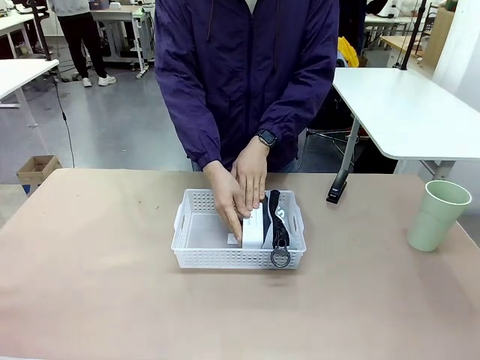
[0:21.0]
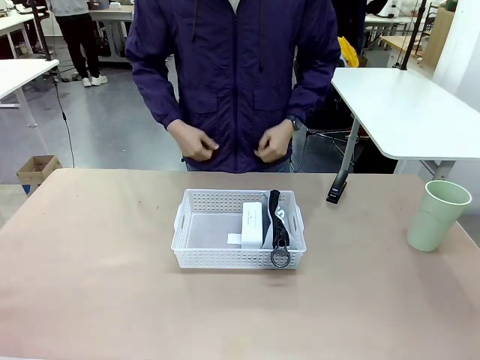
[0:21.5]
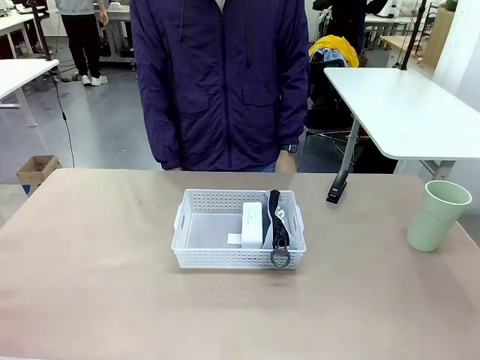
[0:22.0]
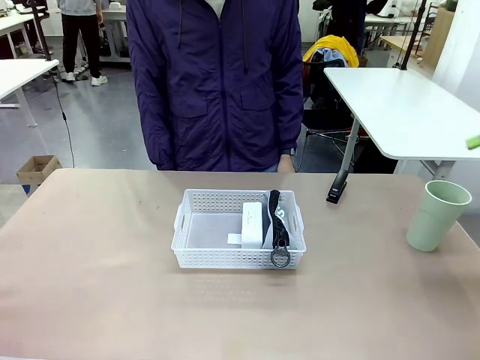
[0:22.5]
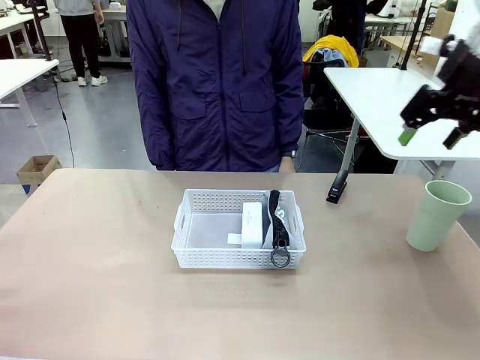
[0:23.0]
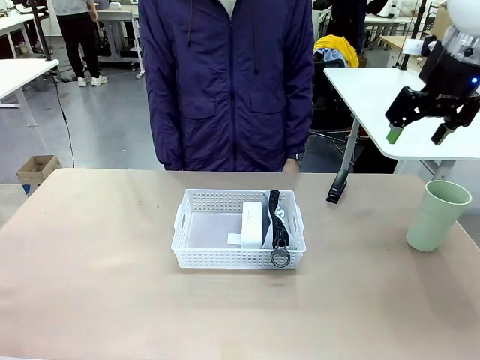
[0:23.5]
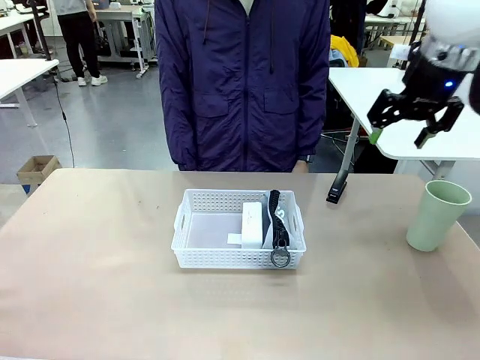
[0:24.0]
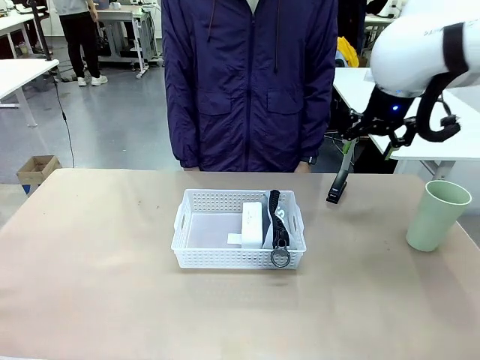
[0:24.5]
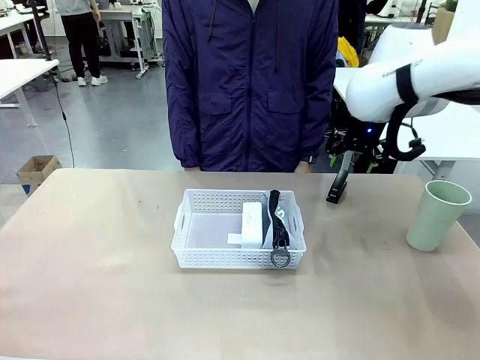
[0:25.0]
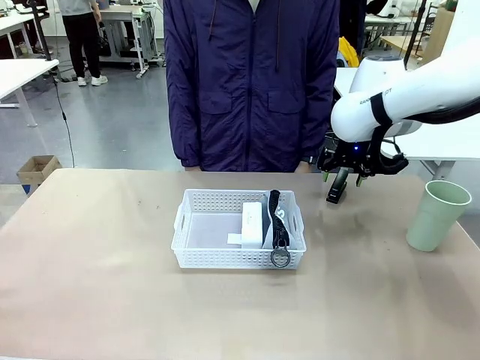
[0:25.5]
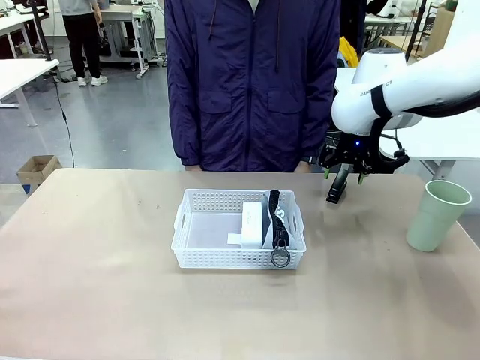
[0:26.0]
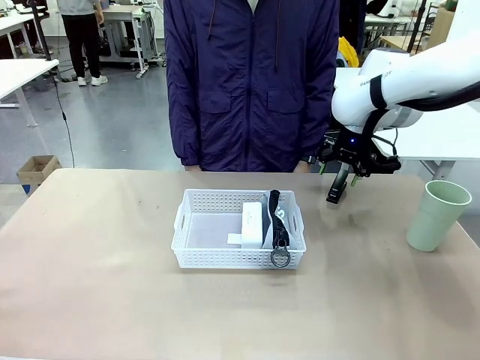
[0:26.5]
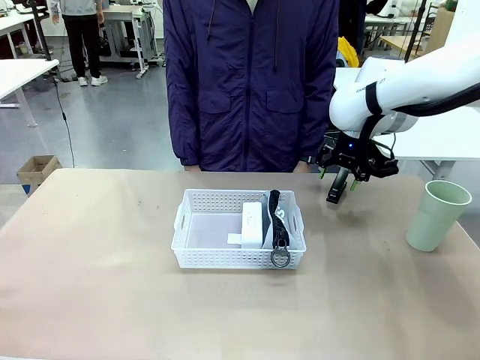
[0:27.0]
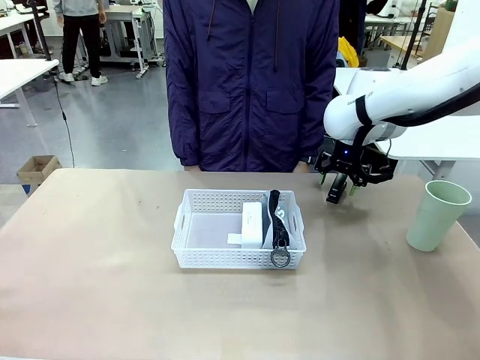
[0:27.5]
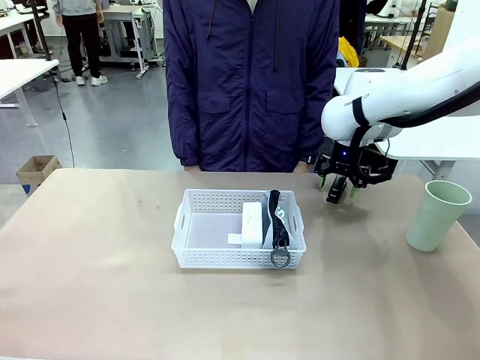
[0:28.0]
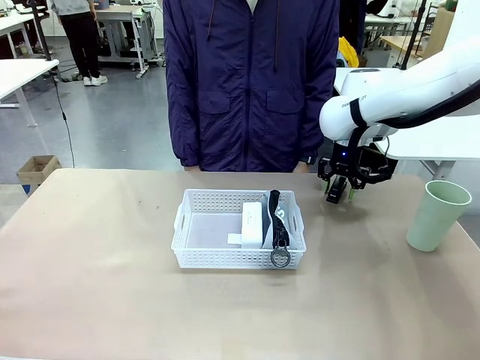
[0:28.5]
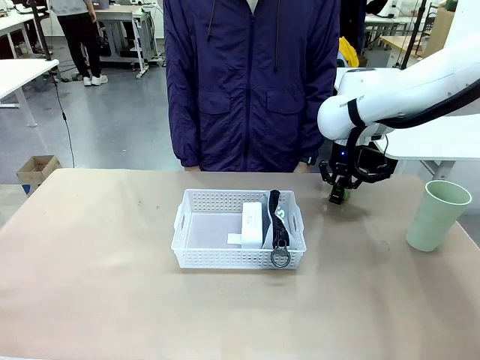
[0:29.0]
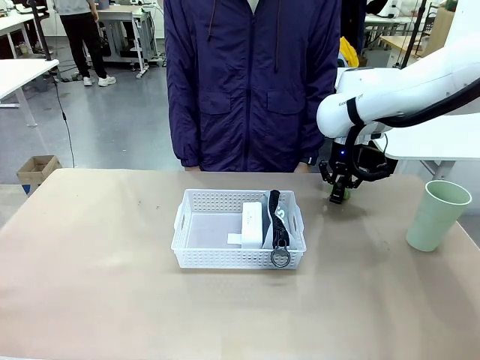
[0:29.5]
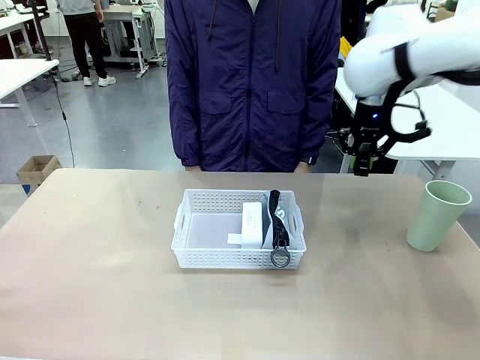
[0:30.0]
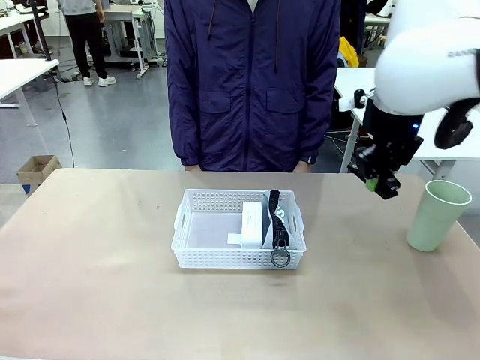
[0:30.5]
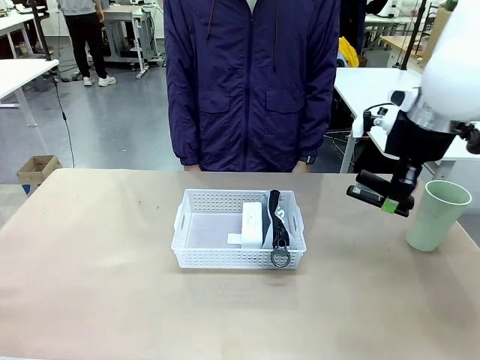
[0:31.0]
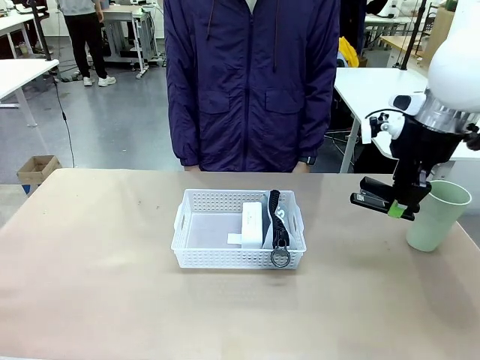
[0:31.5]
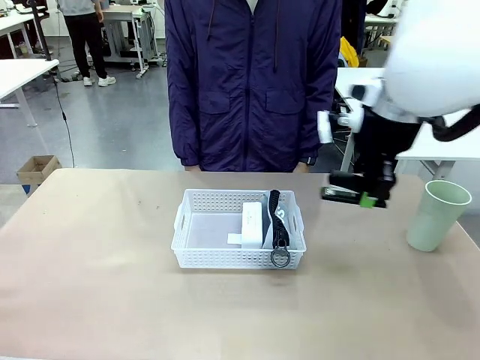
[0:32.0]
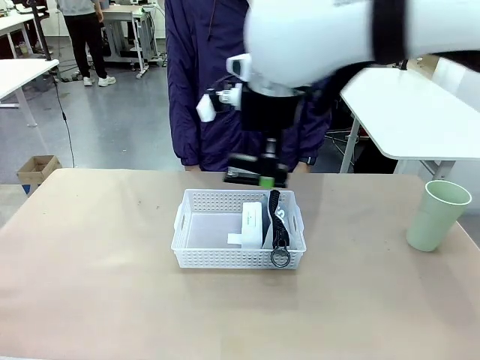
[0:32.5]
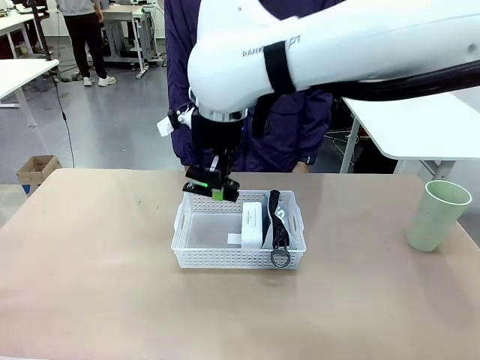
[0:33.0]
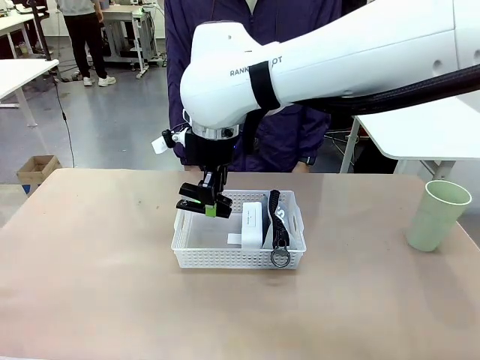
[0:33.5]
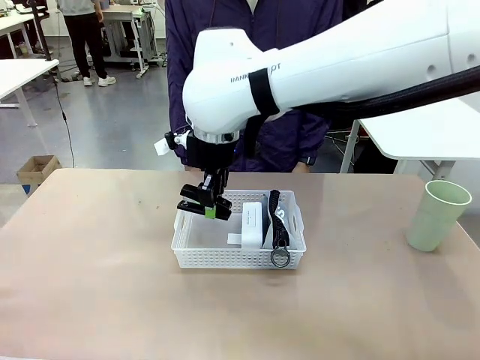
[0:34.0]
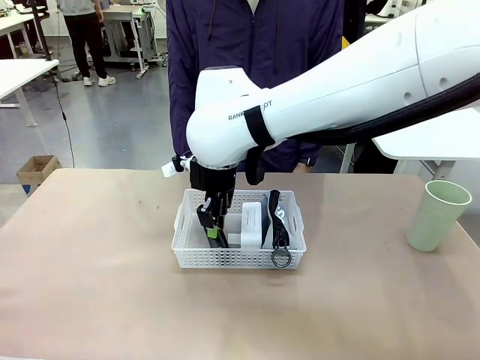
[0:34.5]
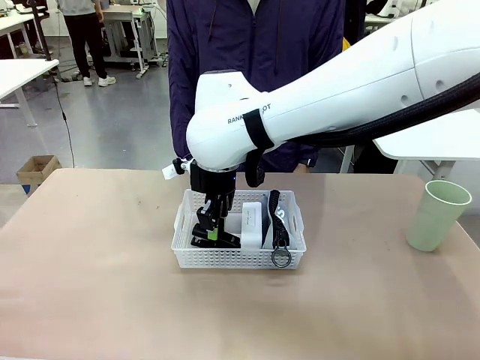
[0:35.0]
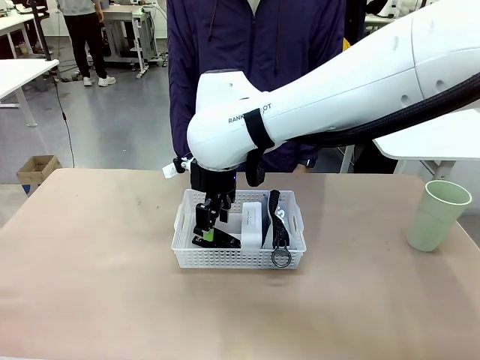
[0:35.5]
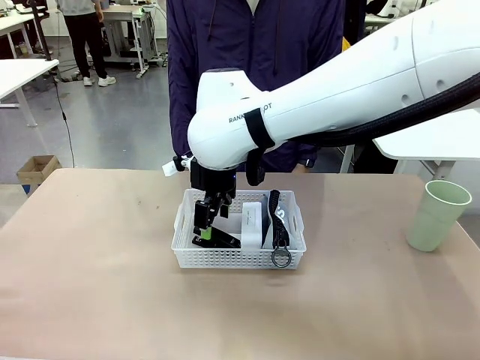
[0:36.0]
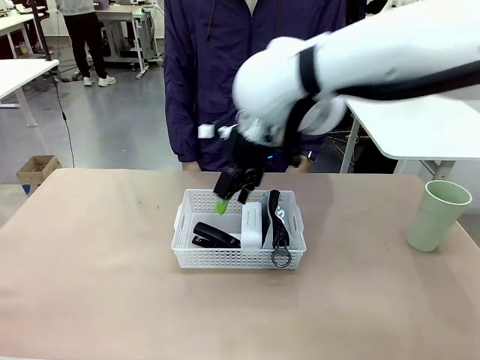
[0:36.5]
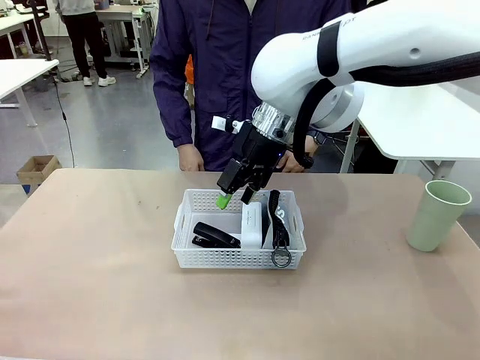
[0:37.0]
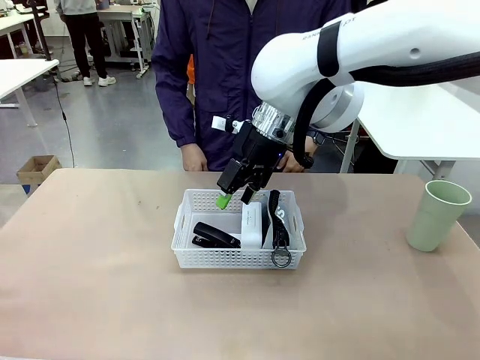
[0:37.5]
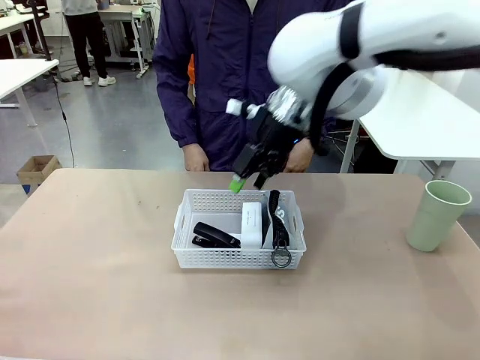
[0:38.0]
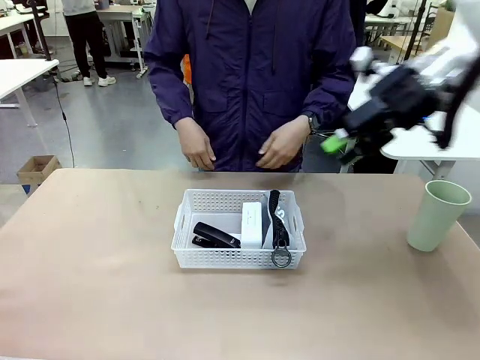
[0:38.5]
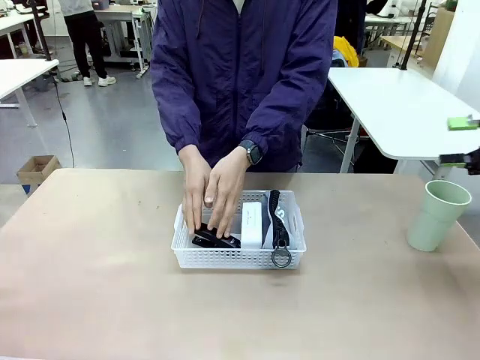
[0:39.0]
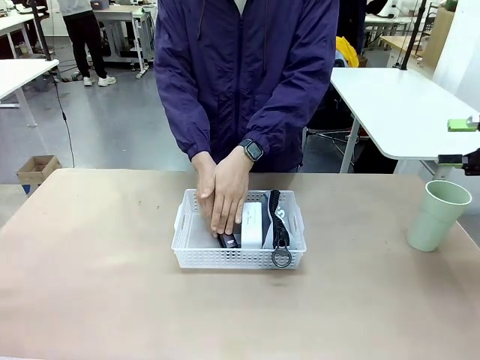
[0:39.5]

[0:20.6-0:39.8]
Task: Efficiently arrange items inside the basket to fit them all.
Robot: Pick up the Stapler and place it inside the Organizing basket.
Person: Repositions the stapler.
